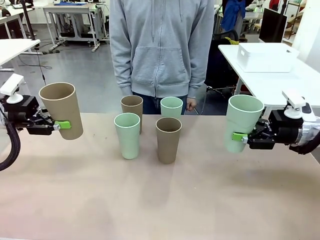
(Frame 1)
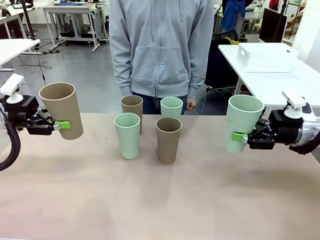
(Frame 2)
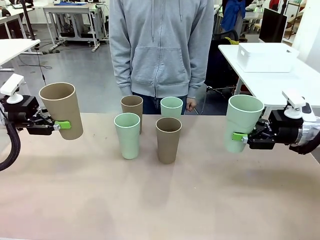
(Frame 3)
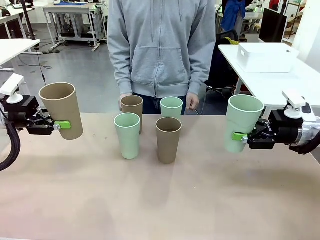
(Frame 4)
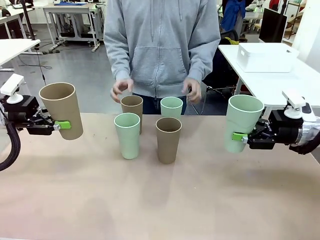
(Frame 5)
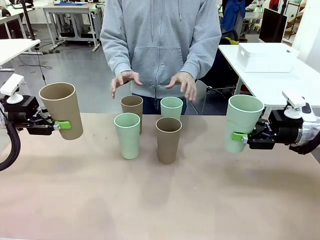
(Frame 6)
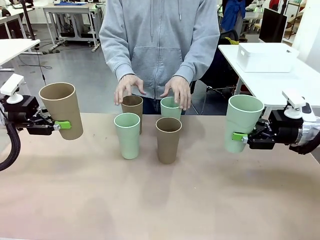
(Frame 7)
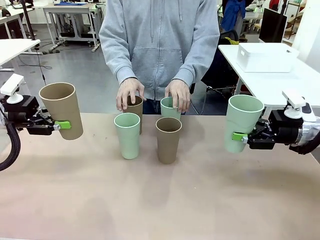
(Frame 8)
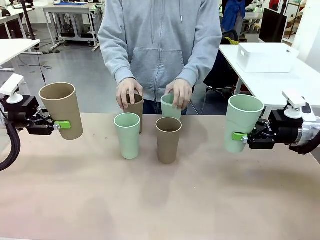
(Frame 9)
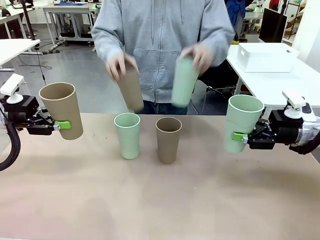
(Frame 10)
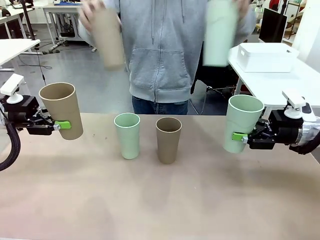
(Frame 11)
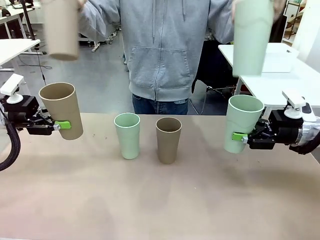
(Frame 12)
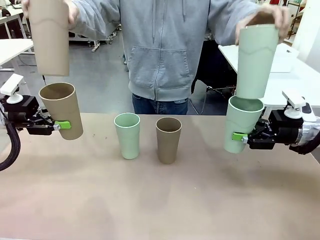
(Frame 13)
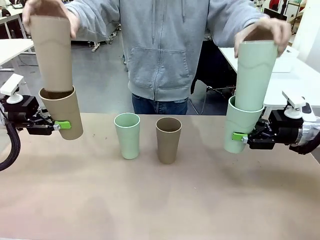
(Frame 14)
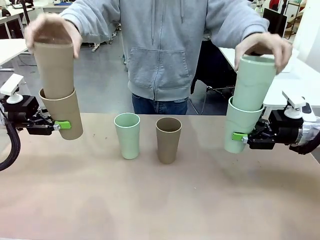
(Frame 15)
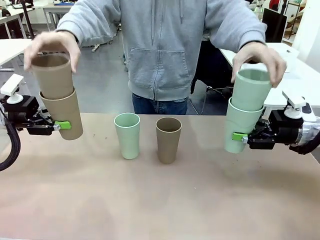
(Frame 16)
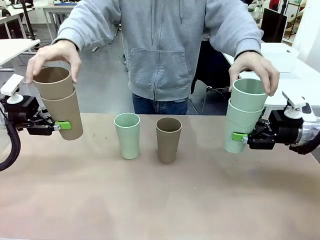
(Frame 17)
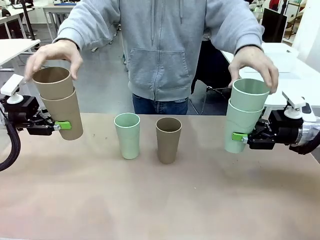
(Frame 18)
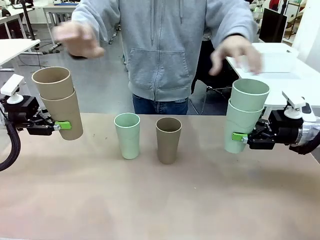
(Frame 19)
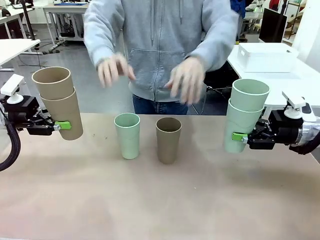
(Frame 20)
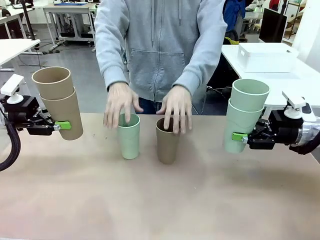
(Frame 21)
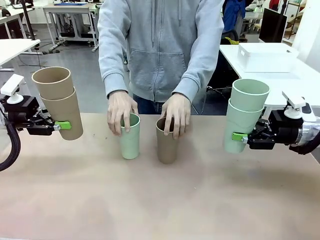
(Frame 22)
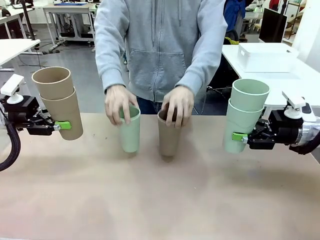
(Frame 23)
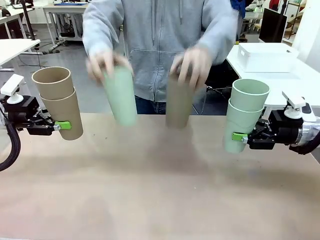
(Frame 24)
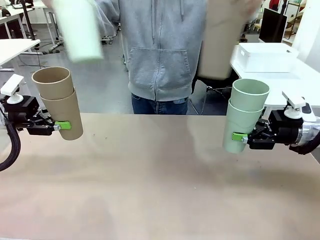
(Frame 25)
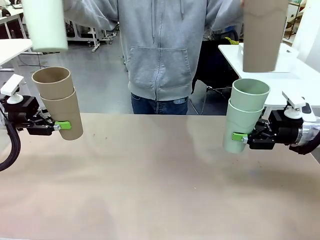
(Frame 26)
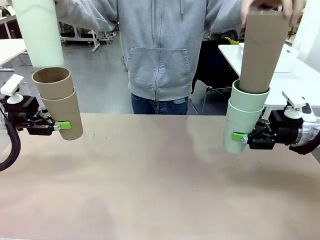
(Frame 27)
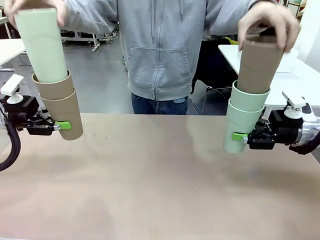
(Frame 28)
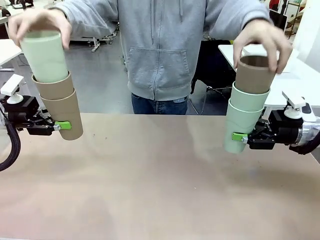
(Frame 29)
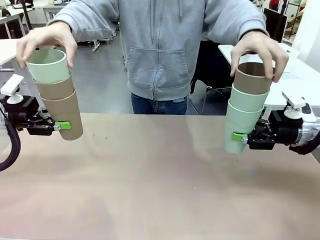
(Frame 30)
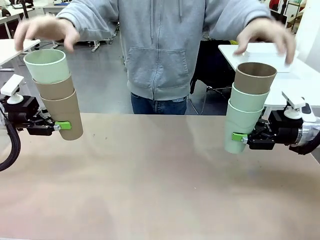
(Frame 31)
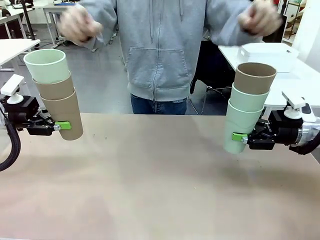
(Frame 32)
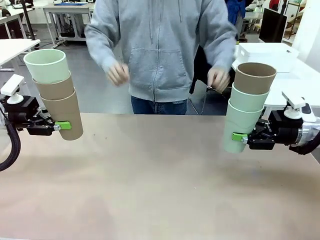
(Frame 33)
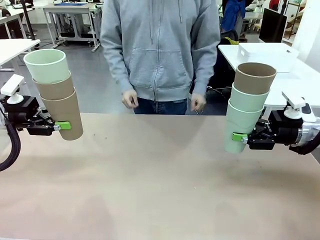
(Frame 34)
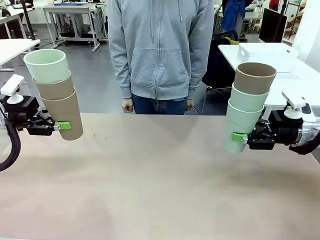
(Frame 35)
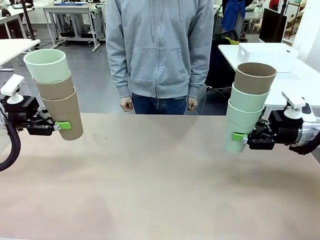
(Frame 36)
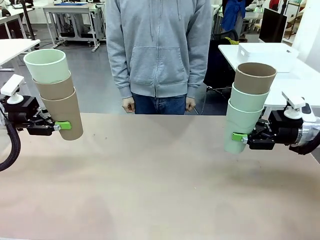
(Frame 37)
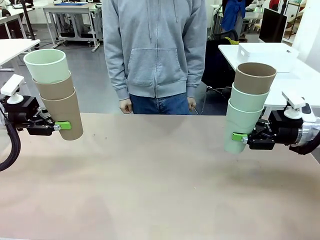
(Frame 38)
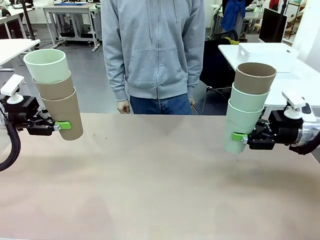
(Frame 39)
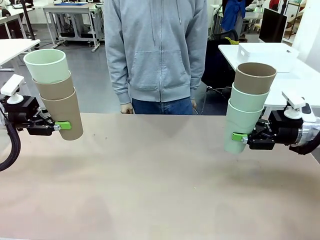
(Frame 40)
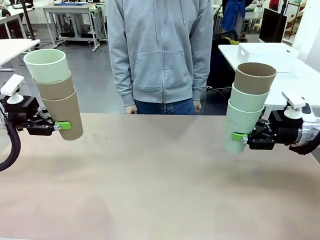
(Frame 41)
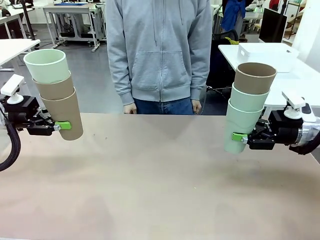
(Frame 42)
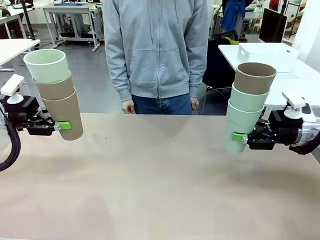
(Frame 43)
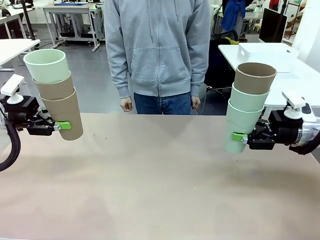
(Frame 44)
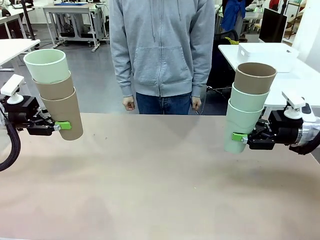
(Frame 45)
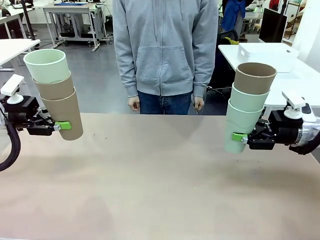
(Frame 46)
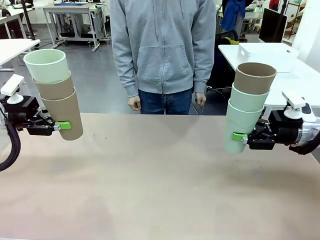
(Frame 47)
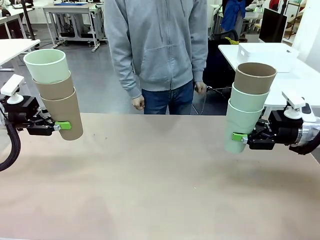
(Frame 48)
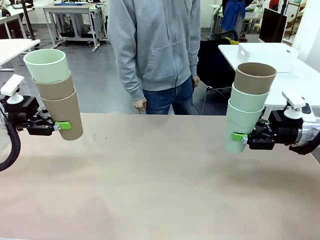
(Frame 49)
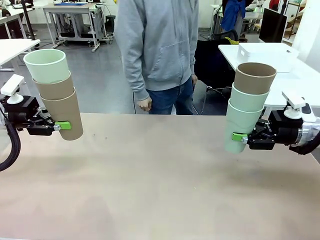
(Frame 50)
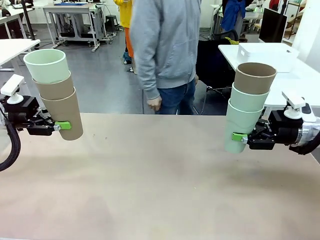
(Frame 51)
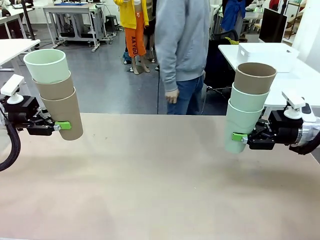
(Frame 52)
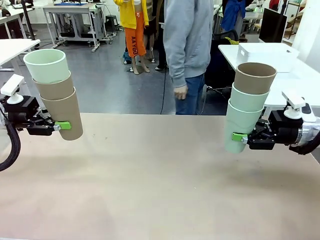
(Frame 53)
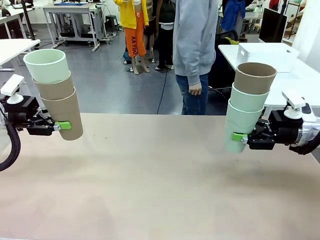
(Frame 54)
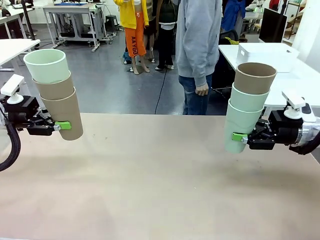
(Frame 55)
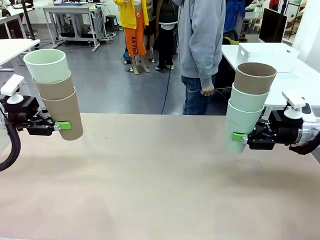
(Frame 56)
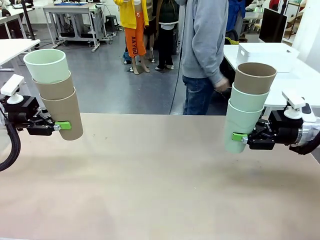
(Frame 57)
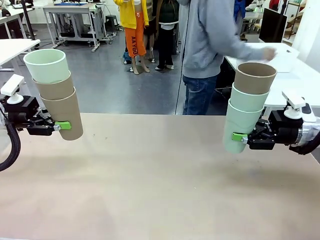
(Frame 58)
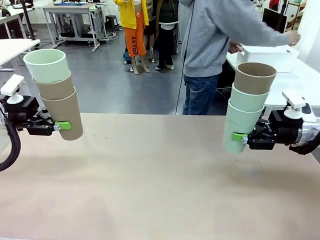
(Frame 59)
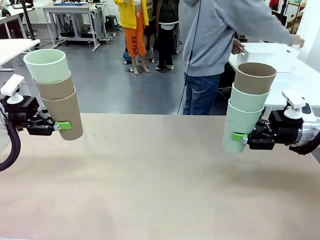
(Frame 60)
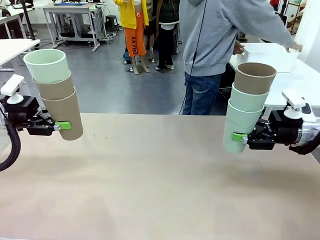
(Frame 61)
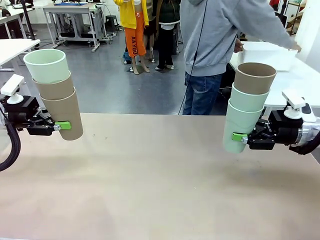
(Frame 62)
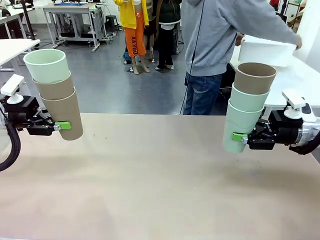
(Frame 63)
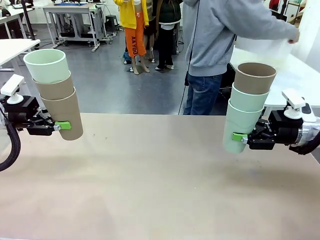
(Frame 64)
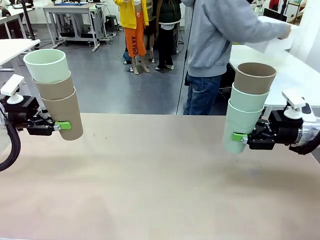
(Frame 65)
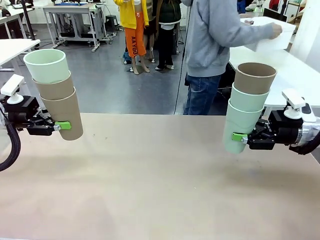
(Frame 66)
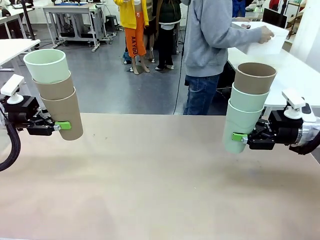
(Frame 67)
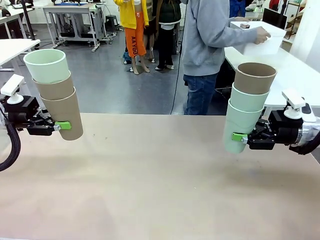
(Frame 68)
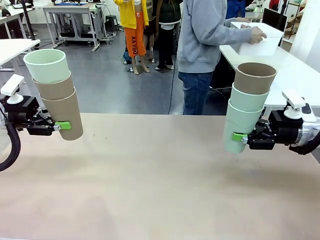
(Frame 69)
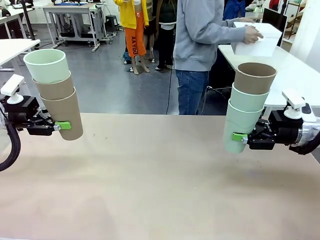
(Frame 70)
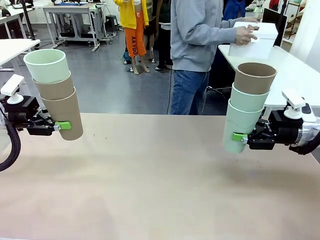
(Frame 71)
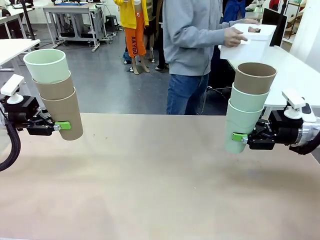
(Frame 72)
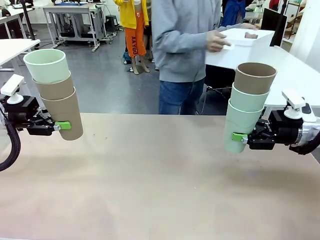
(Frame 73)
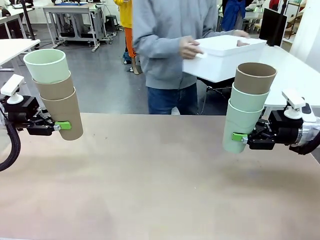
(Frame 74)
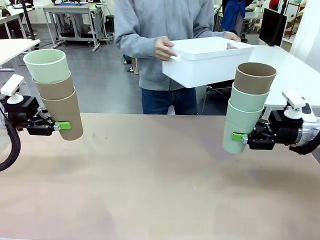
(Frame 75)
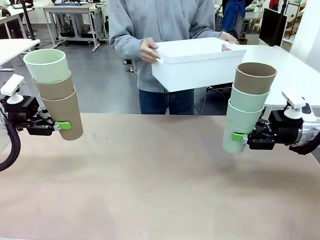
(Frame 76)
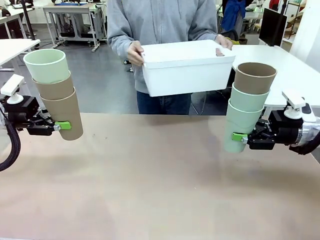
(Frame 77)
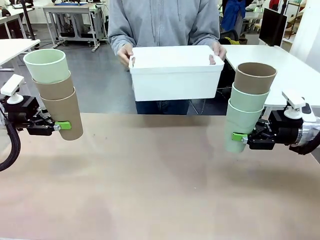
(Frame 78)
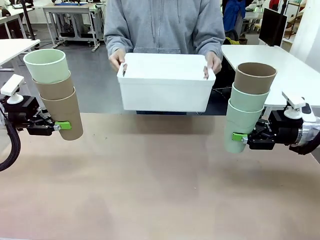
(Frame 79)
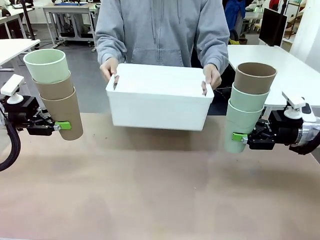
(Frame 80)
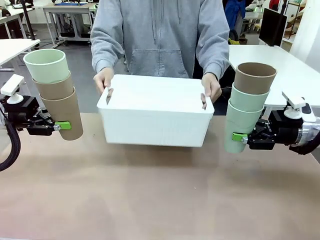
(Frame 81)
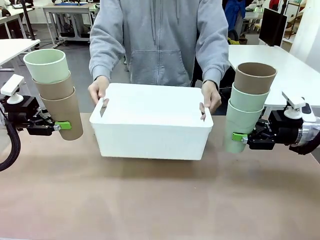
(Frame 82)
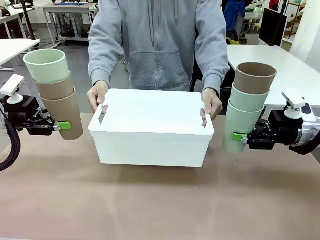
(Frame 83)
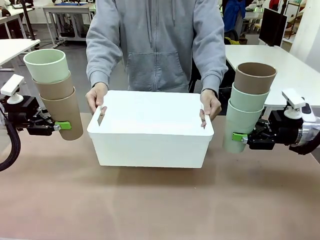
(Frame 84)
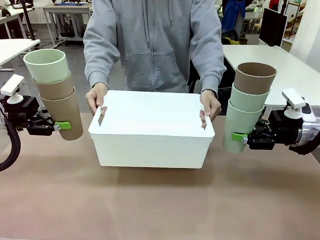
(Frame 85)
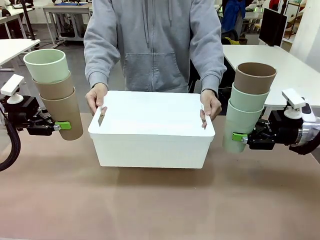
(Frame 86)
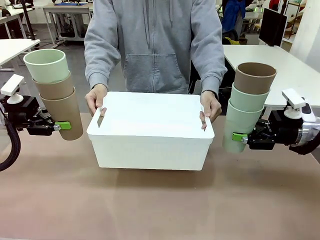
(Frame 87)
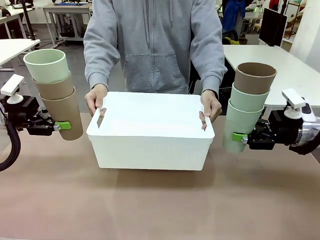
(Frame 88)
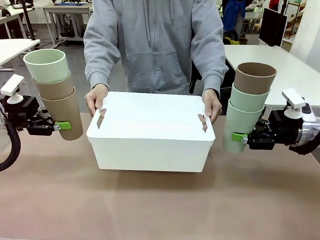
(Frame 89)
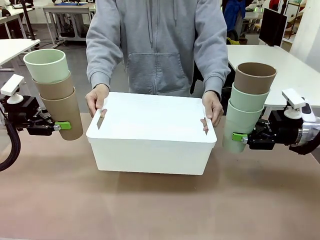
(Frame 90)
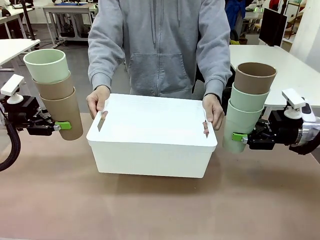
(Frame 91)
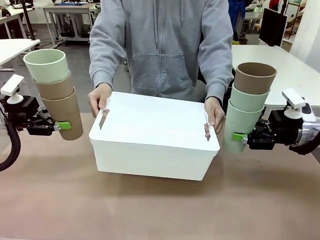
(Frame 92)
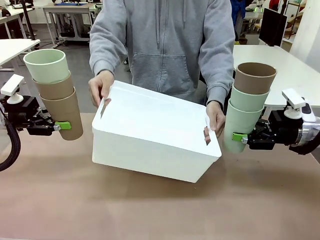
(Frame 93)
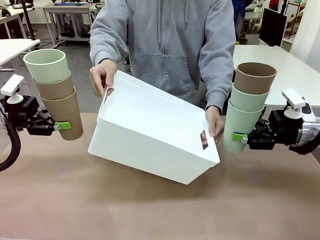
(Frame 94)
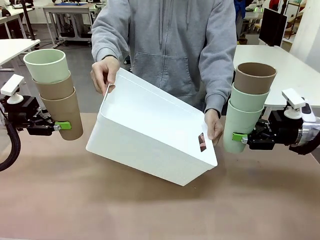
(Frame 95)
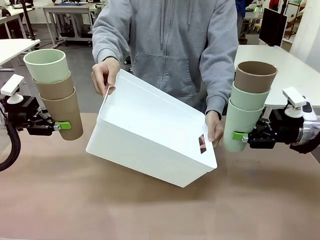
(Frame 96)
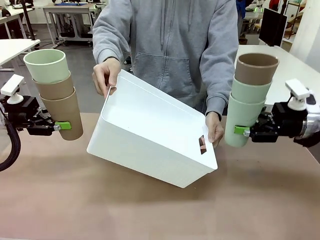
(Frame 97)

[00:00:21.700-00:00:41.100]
Task: Stack the cups and store them in the basket.
Robot: Place the stack of Reusable plastic cups into the Pantry Basket.
Person: Pick up the basket from the Human Table, bring it to the front of the robot, and present it.
